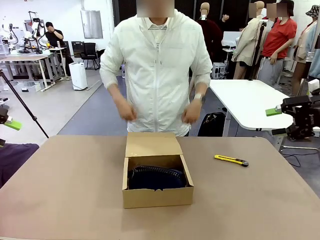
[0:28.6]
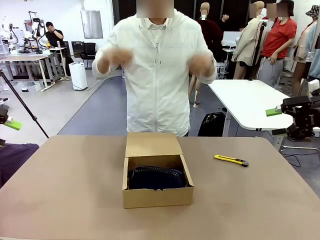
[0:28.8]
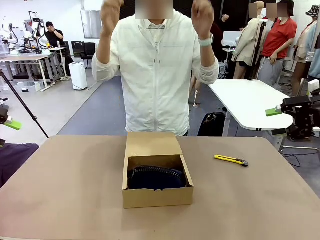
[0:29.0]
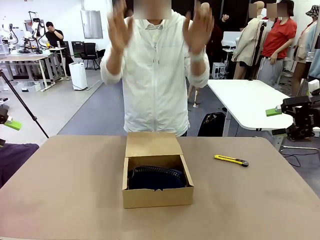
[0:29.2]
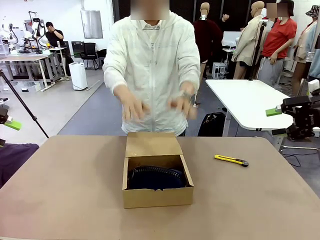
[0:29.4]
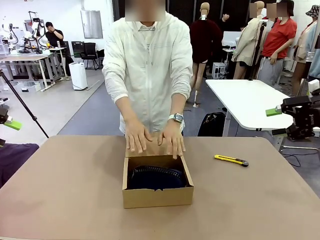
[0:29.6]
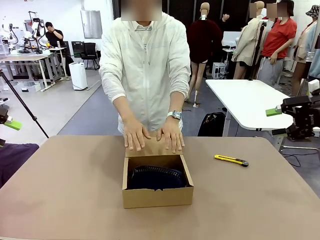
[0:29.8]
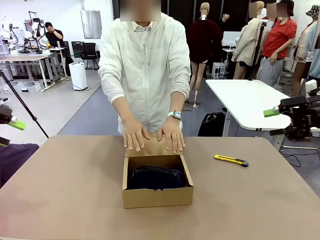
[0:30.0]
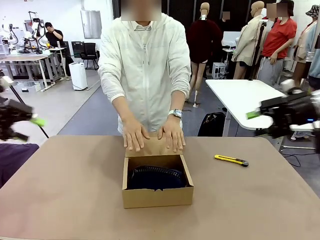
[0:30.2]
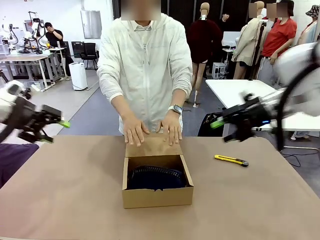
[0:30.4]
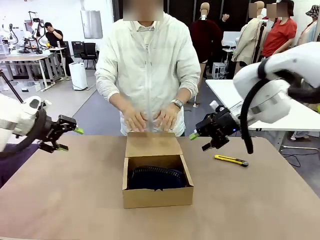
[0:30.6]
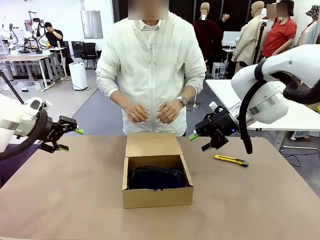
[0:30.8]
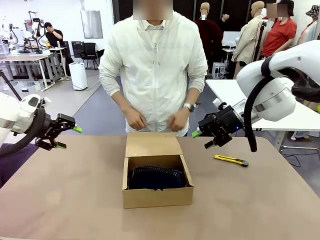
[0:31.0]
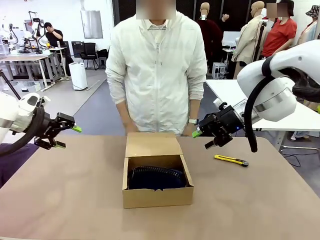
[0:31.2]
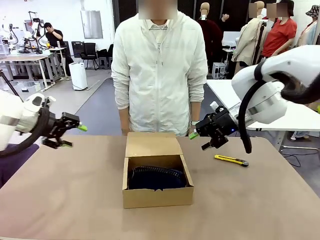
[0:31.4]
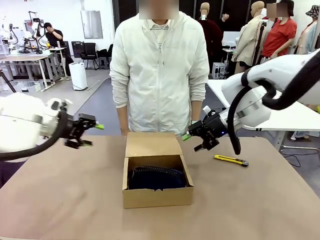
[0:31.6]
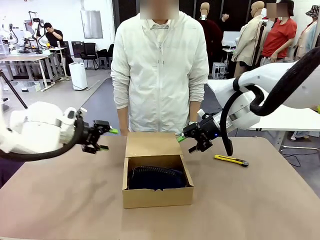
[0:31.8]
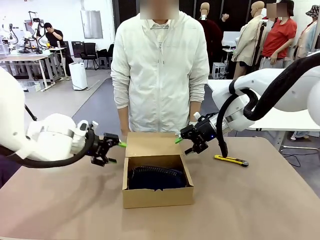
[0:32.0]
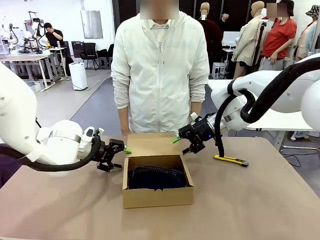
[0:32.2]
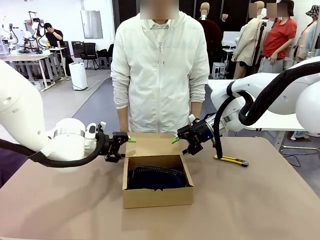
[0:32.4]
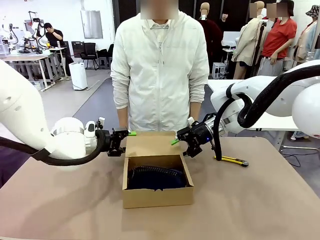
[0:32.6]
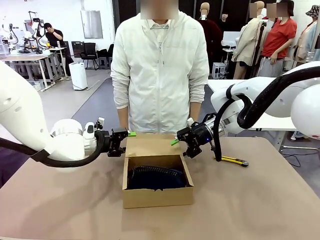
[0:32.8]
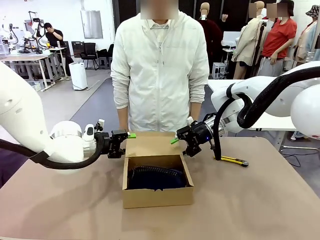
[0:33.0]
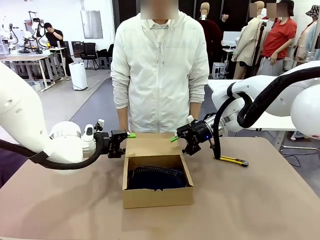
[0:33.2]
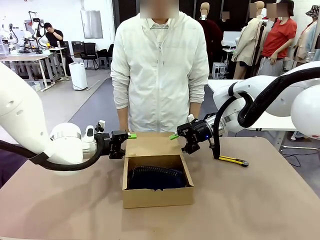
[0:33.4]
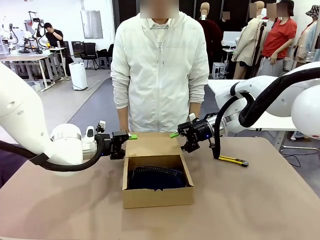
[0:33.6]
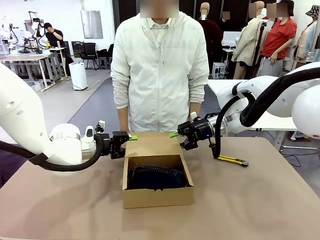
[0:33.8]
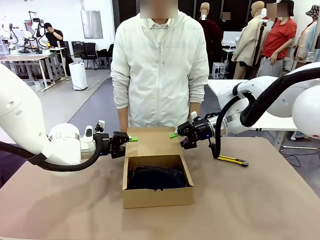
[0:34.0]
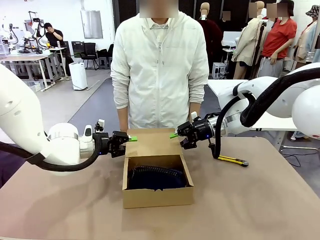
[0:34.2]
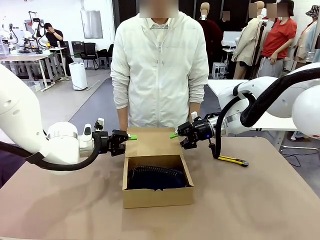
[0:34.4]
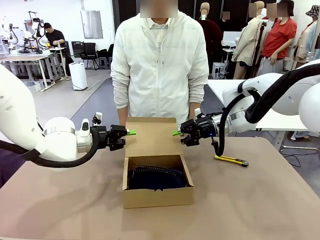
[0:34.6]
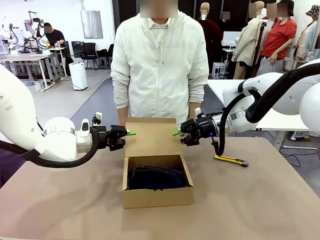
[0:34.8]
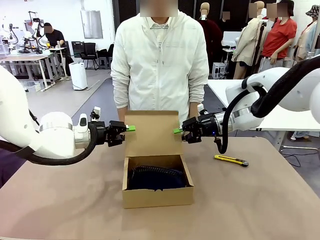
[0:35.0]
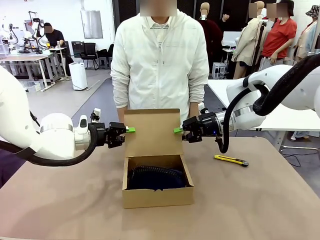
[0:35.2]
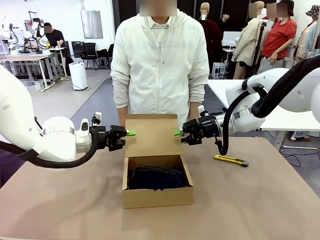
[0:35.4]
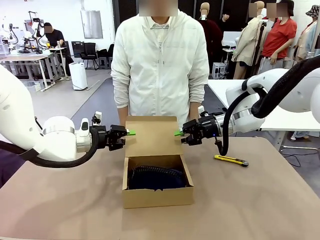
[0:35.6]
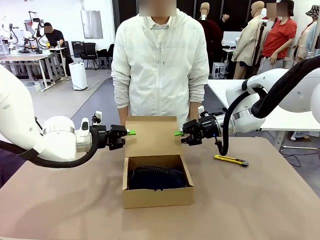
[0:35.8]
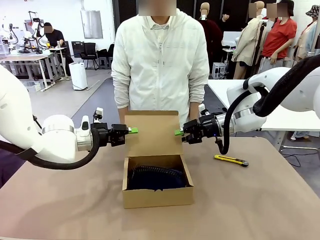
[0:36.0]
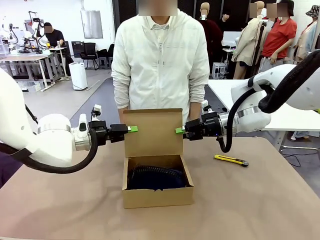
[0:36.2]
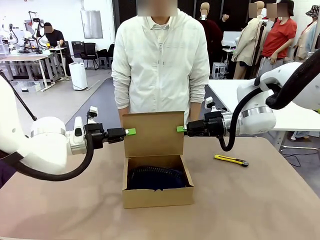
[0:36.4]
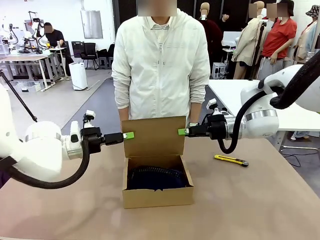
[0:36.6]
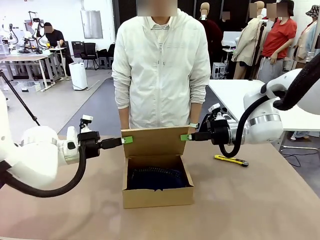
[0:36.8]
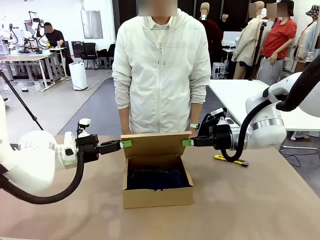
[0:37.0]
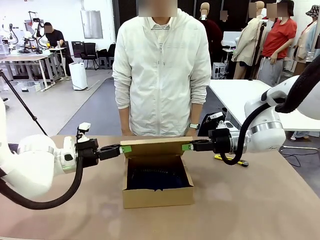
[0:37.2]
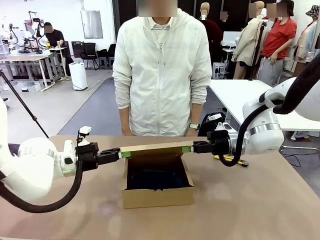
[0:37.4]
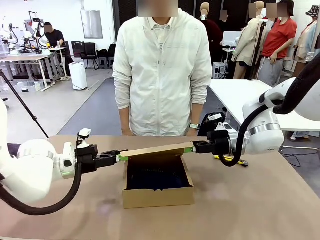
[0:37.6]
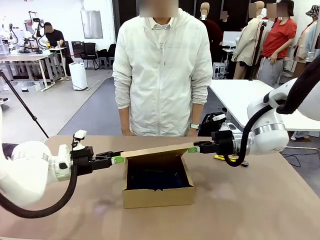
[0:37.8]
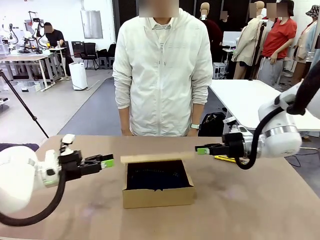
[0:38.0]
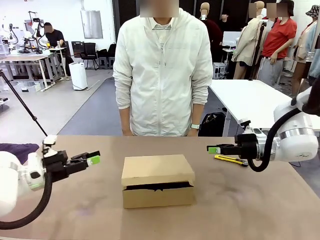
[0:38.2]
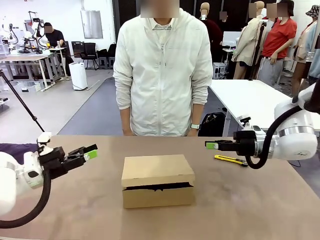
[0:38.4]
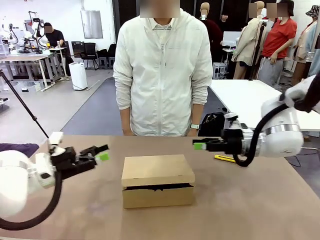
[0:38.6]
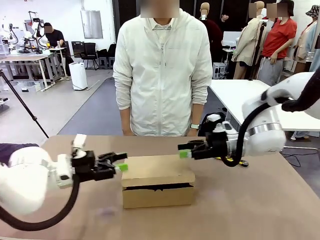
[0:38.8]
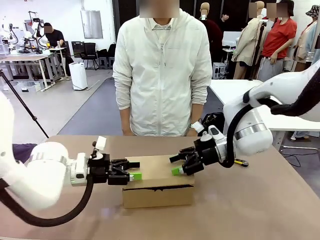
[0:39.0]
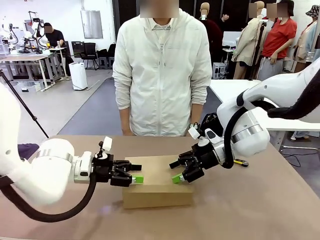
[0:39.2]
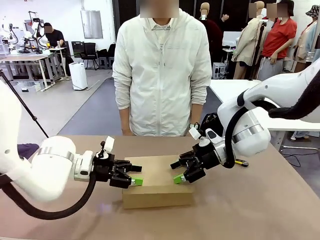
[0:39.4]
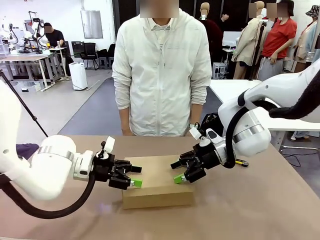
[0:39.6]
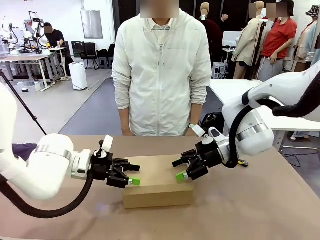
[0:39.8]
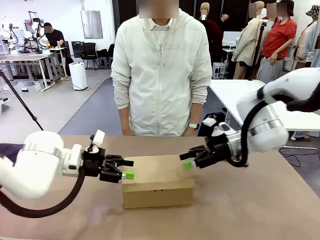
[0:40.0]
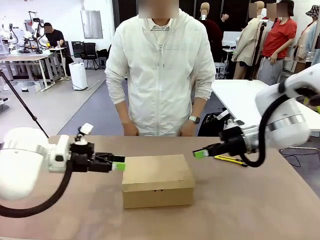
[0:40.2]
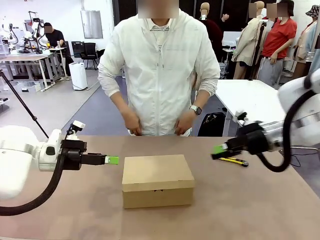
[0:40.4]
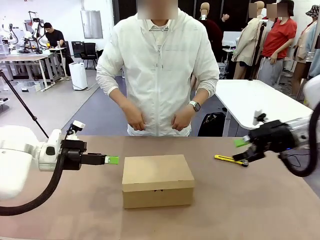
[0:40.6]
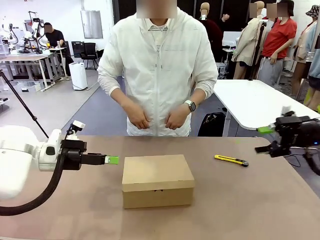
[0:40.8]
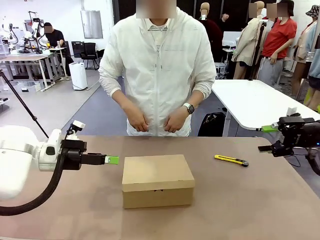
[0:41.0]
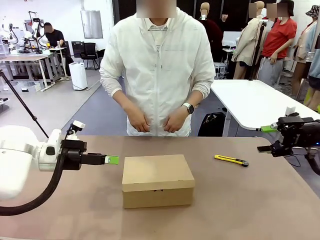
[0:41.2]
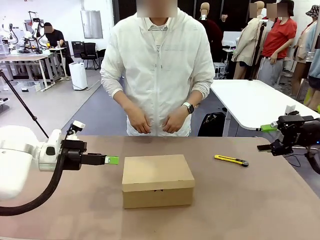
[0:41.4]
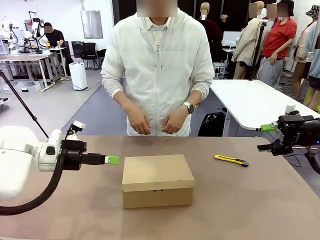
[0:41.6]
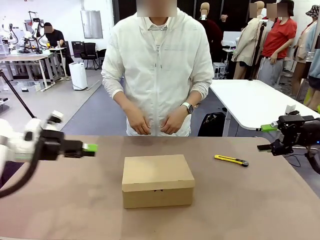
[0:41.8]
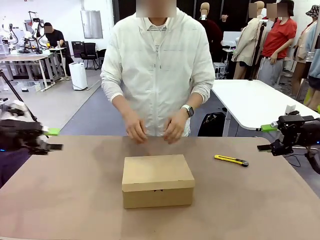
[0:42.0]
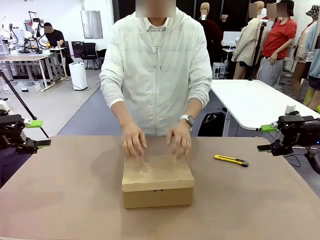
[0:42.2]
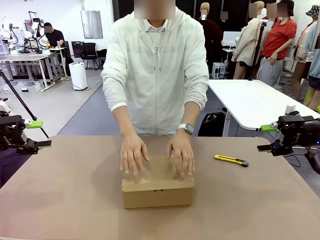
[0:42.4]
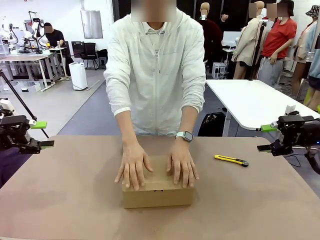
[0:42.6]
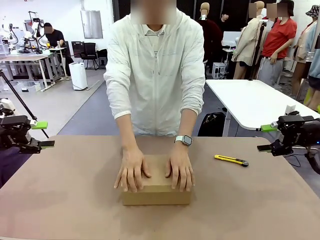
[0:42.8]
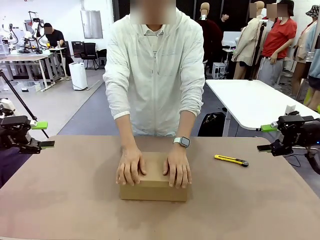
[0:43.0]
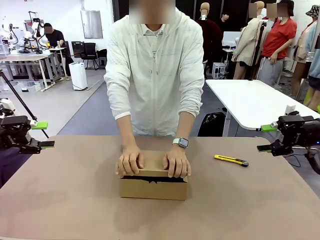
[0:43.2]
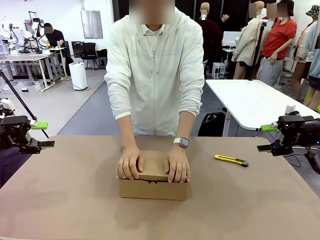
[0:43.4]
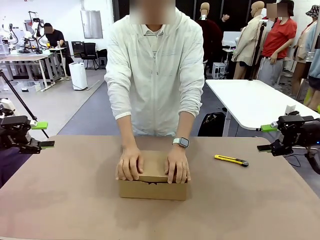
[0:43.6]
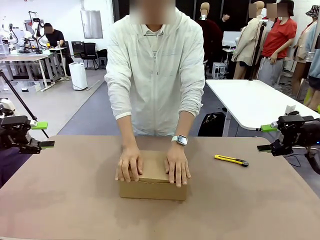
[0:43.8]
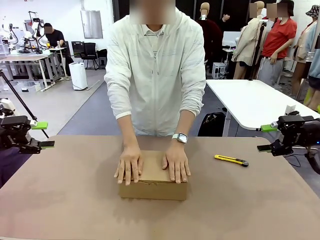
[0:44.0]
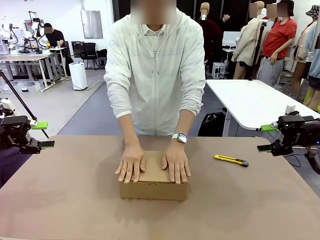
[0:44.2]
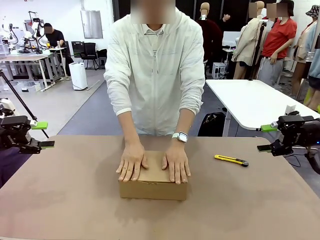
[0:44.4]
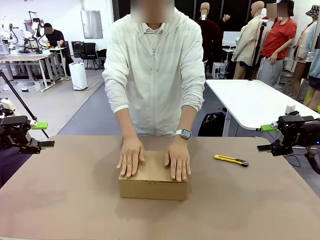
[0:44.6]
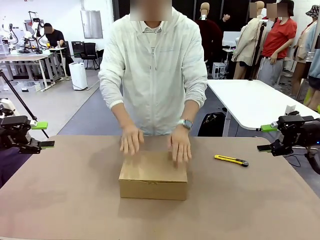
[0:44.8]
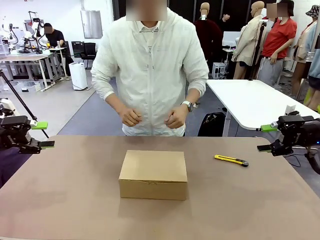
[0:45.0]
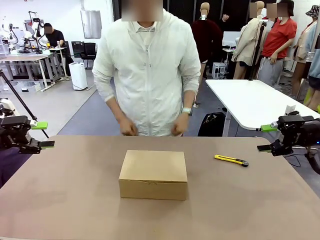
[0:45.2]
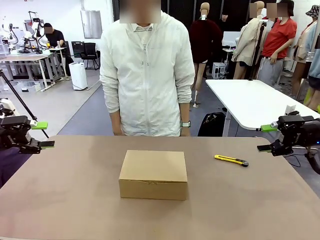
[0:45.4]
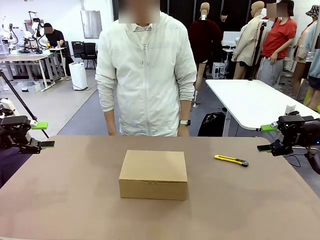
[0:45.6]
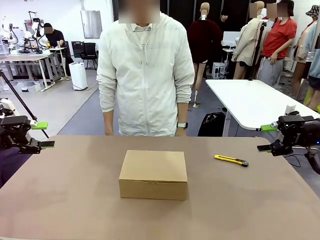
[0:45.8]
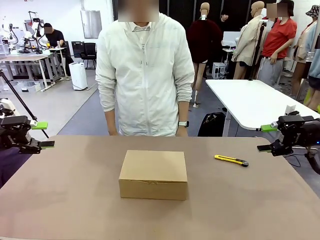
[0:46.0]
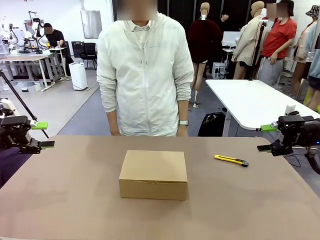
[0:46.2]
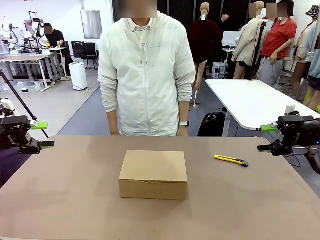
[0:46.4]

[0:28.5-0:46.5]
Task: Pack the items into the box.
Robot: Close the Mailer Box.
Person: Turn the box and lock it.
